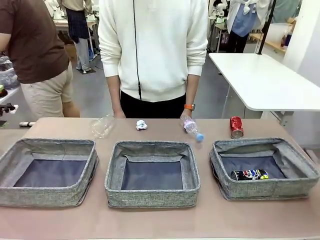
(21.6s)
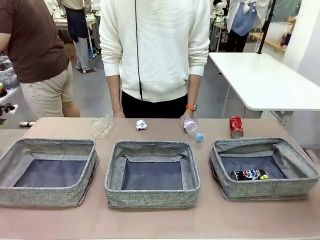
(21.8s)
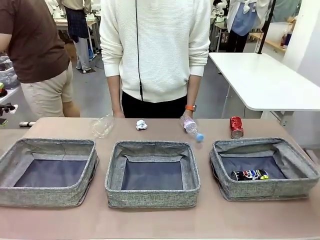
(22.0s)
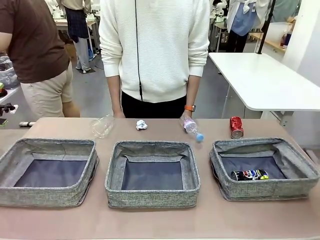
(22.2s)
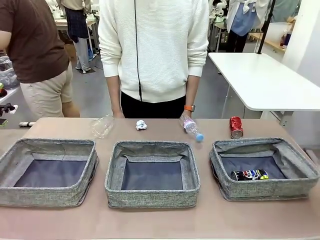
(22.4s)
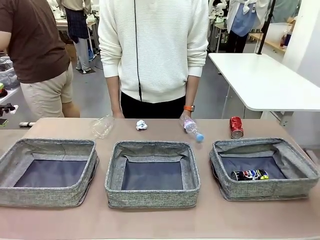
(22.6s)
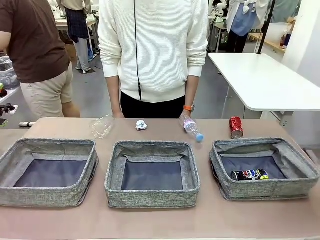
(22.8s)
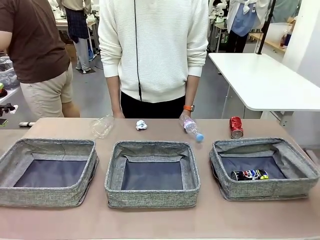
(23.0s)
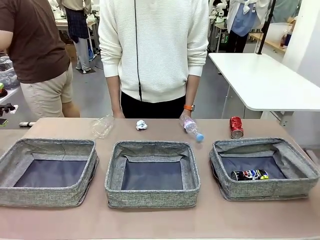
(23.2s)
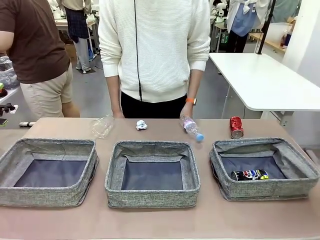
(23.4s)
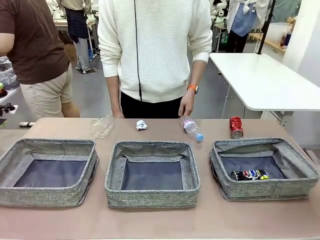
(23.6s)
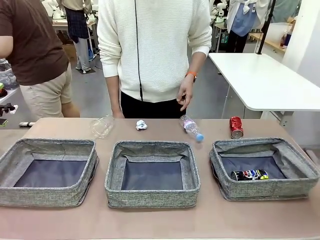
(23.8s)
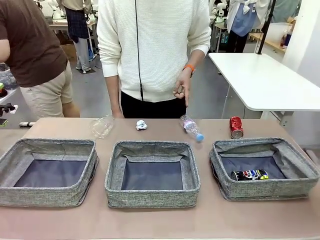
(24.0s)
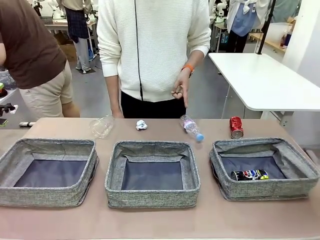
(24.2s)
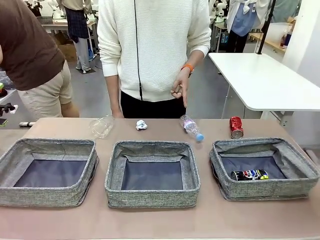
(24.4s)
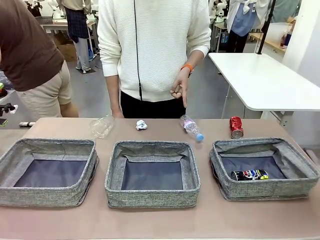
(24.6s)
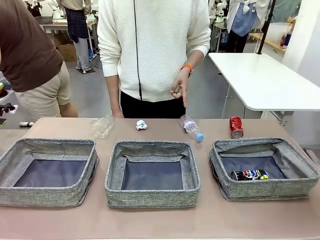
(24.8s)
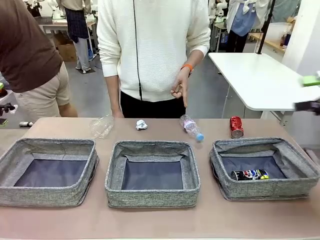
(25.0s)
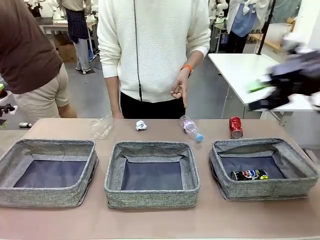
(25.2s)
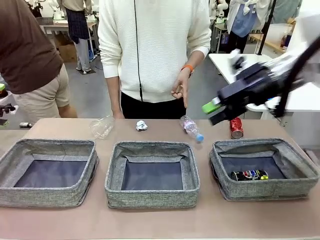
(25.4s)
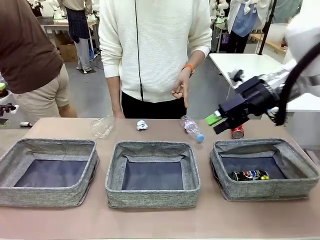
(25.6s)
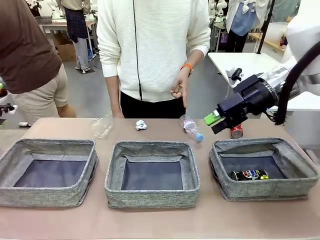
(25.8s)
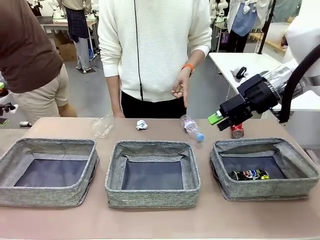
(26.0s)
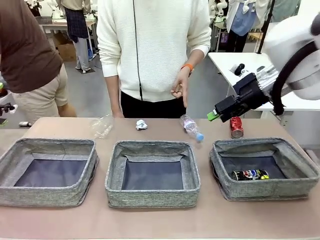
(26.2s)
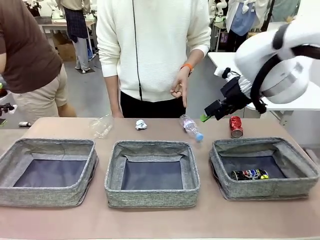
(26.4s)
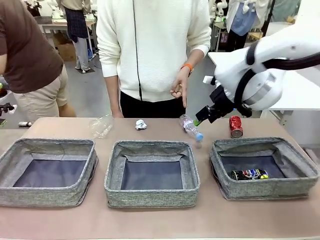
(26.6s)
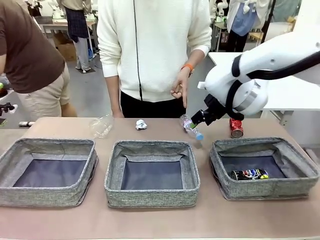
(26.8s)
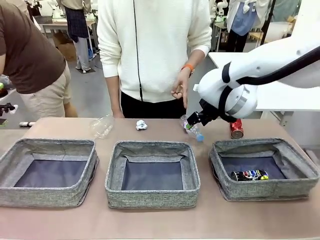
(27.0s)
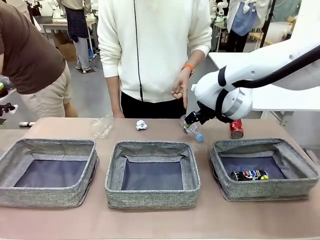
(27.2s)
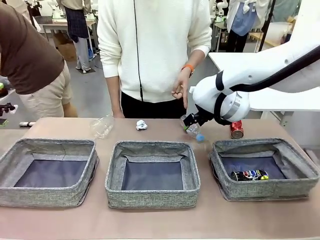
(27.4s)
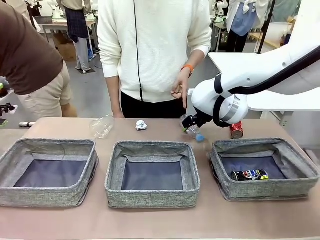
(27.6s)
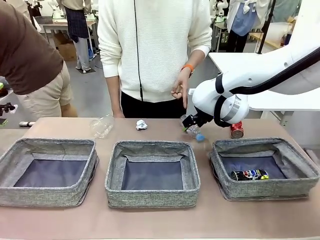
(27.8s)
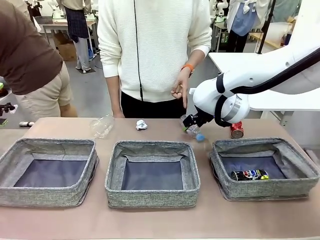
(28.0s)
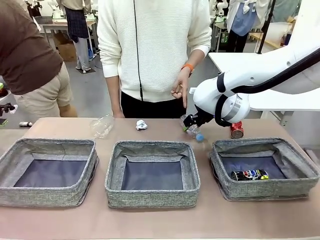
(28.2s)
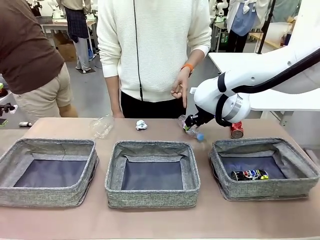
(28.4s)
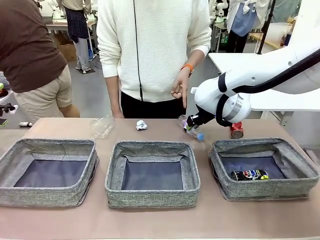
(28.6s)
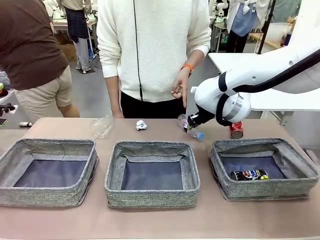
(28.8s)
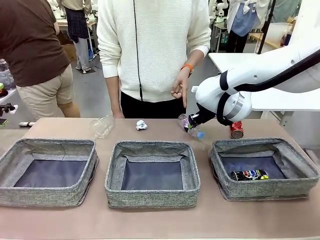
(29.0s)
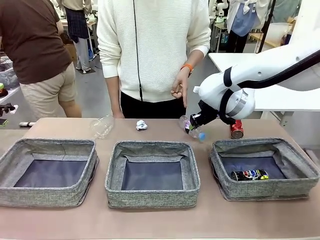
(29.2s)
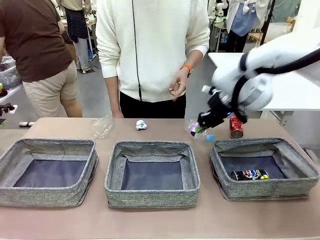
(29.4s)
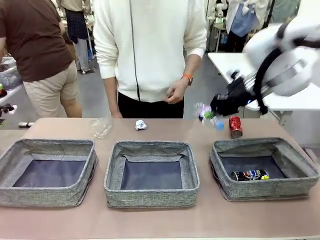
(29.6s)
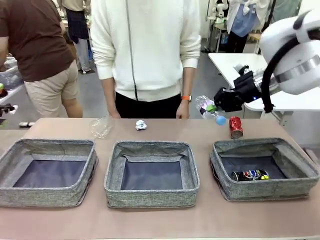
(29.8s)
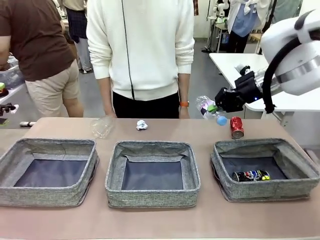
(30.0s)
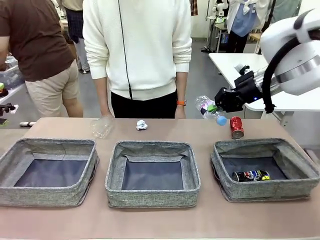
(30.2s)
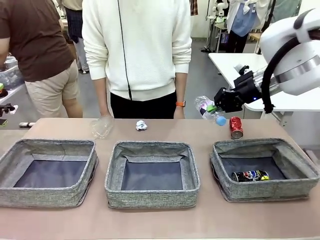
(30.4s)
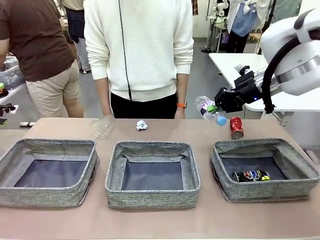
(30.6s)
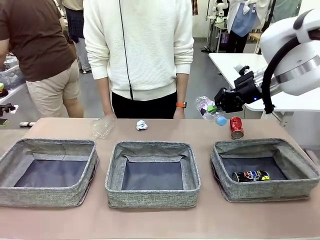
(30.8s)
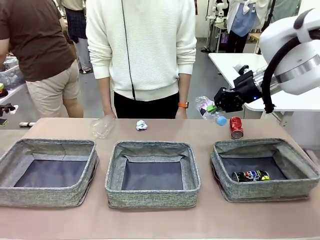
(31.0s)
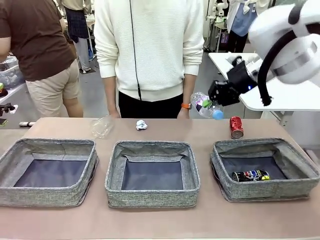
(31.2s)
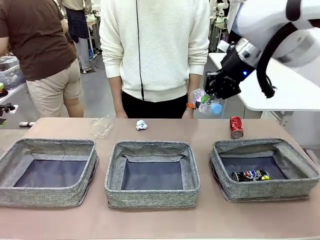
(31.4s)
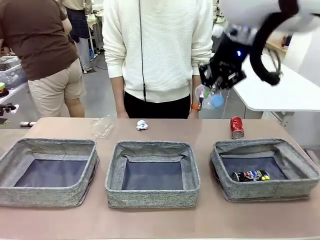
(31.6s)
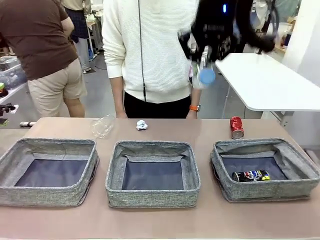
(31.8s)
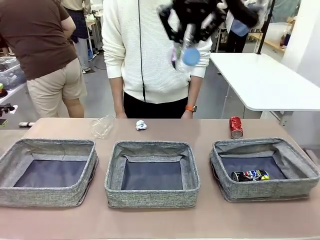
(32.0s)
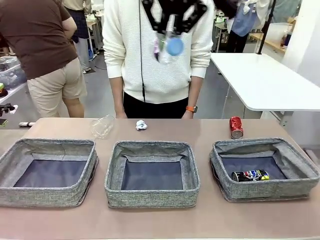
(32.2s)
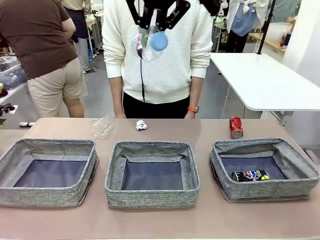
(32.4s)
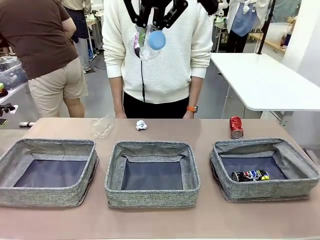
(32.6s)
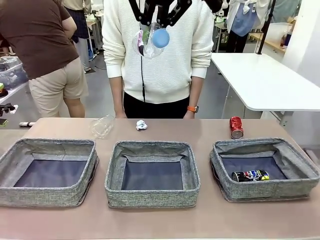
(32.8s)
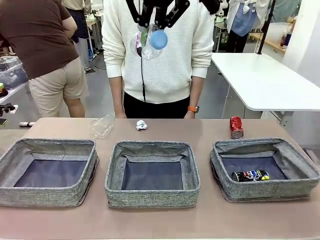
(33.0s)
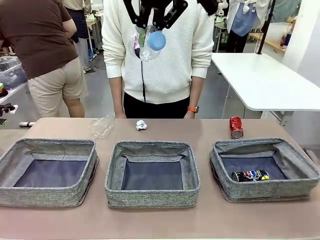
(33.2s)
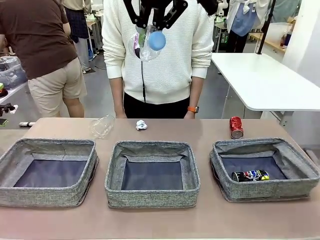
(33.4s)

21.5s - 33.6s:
Task: Sort the waste into the appropriate baskets.
Robot: Pick up the waste item pointed out by the person.
Person: Points to one piece of trash on the table.

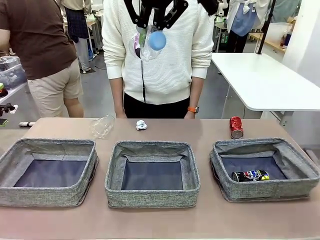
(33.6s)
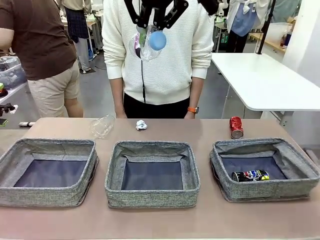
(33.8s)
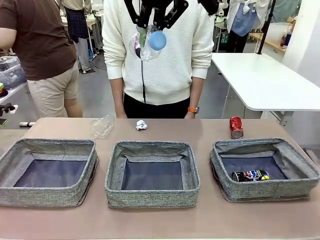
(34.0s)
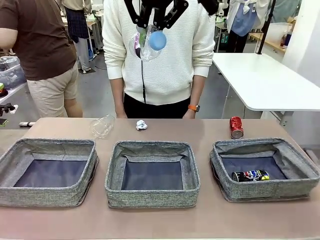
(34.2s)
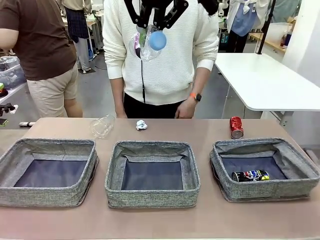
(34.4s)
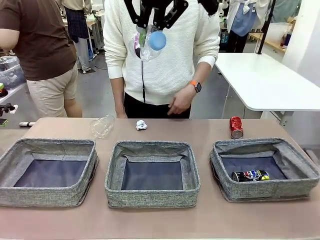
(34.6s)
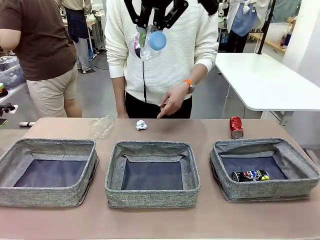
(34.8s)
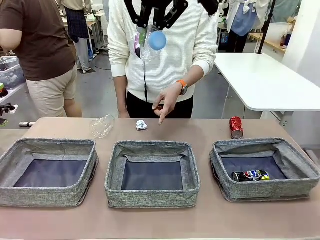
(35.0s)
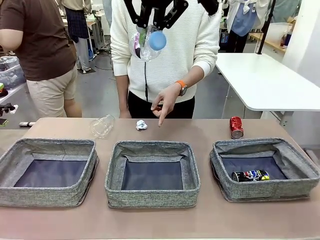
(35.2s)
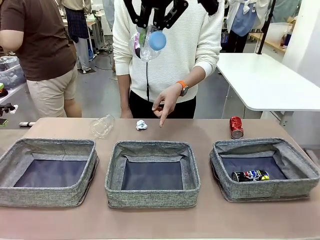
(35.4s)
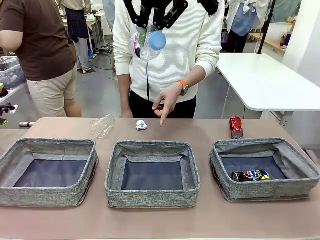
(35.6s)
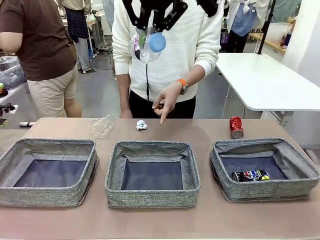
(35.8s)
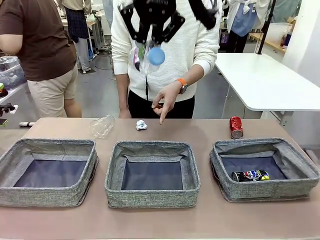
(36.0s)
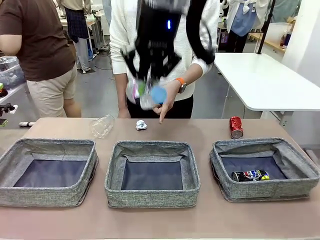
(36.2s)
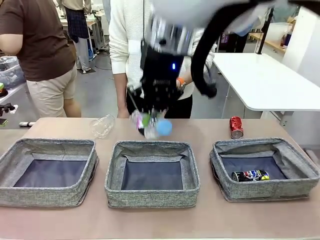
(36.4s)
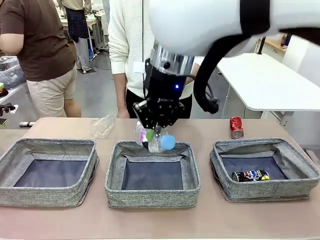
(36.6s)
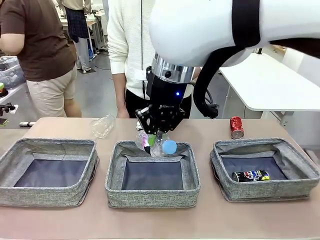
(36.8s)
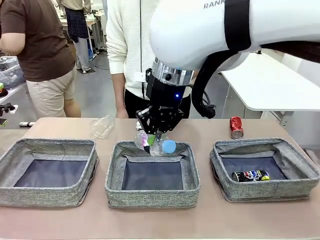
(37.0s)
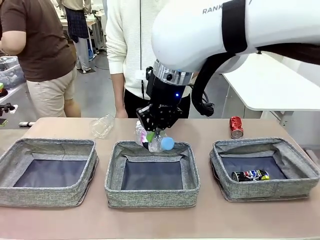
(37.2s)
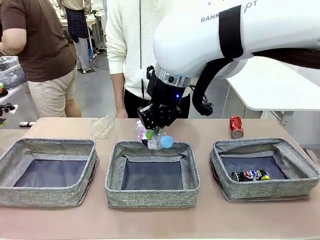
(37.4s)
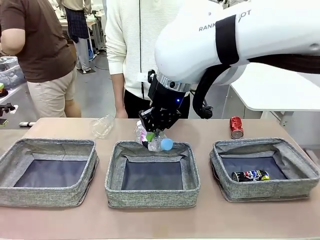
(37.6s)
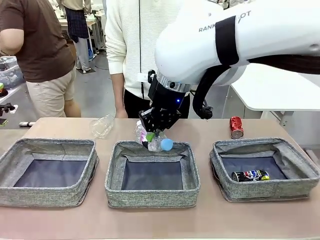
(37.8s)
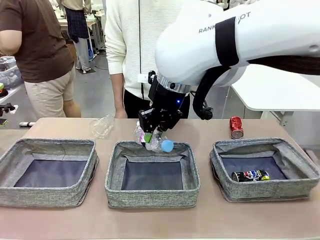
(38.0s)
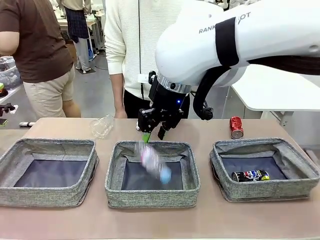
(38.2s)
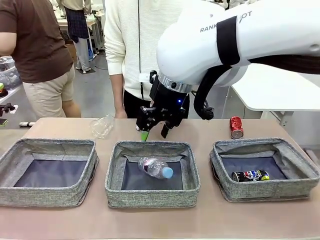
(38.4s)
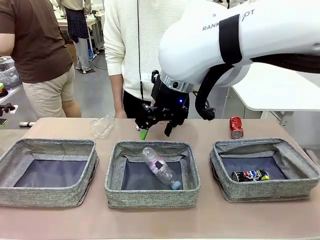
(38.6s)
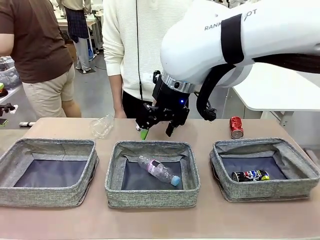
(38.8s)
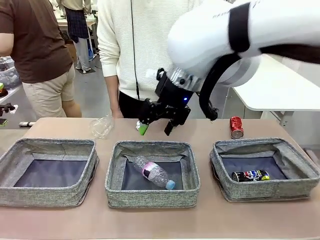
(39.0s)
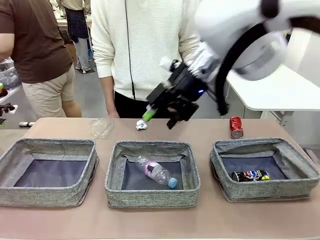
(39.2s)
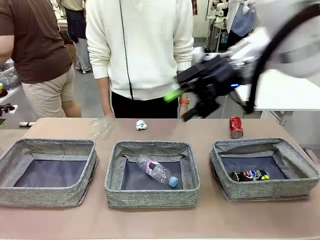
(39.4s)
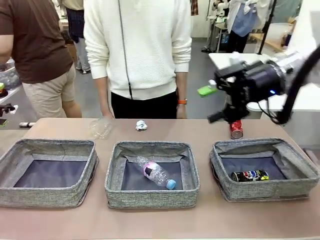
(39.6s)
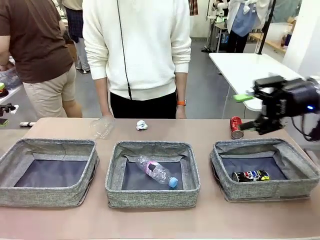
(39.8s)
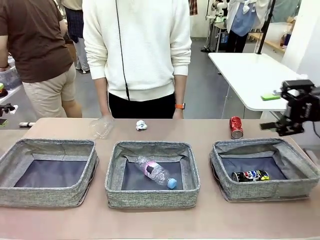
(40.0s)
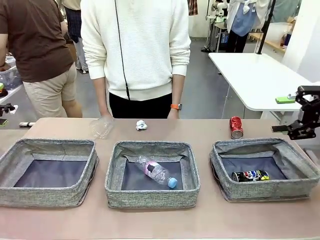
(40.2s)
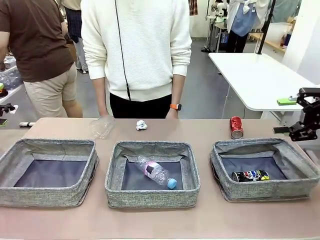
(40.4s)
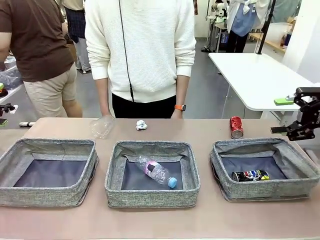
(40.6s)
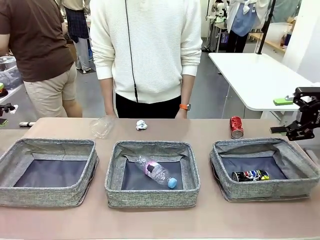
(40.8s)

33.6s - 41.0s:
Robot: Place the picked waste into the Fabric basket indicated by the person.
Person: Instructs the robot to place the picked-up trash into the appropriate organizing basket.
